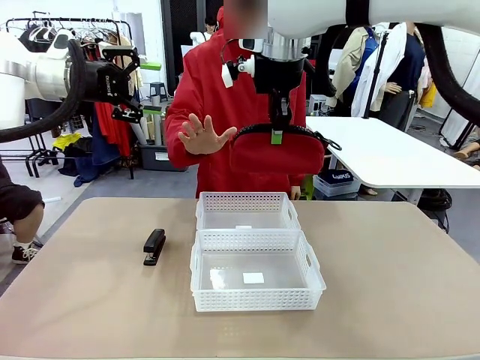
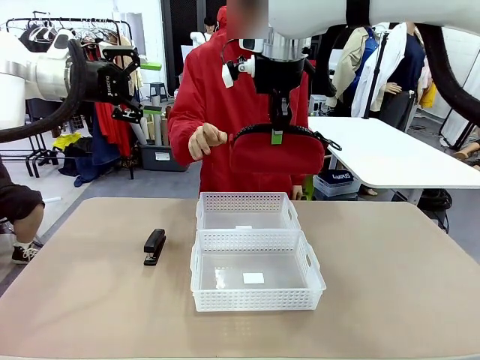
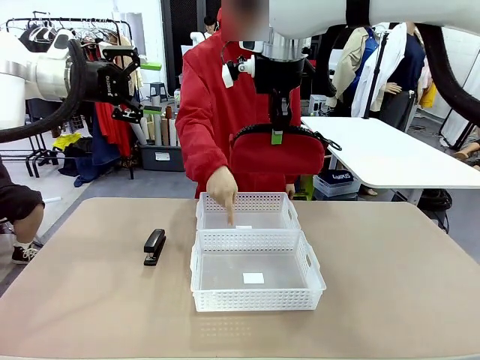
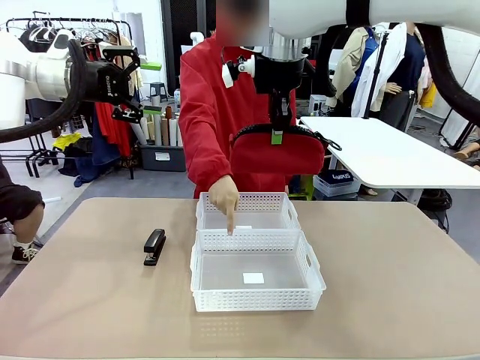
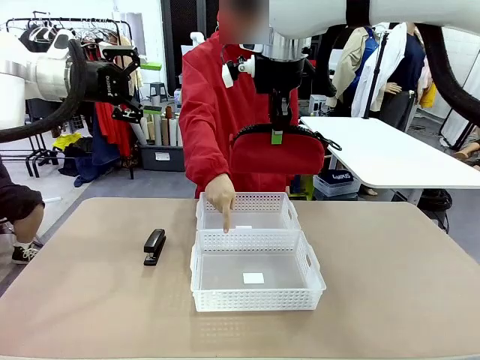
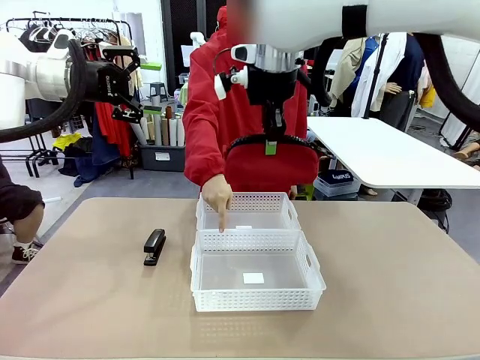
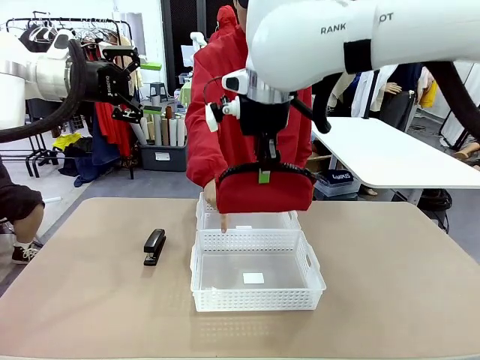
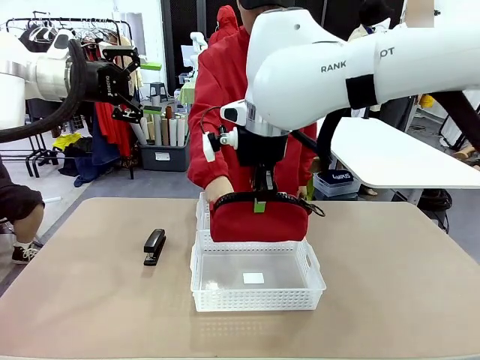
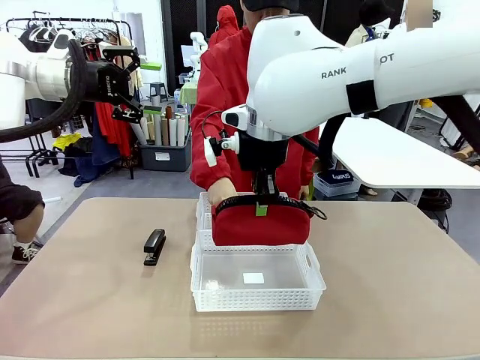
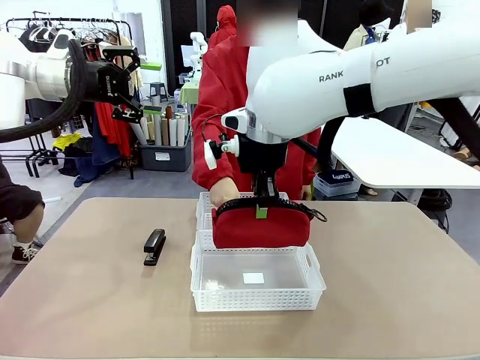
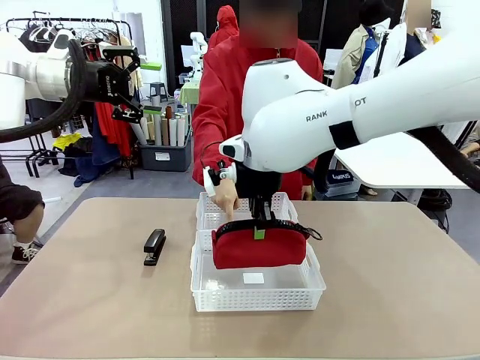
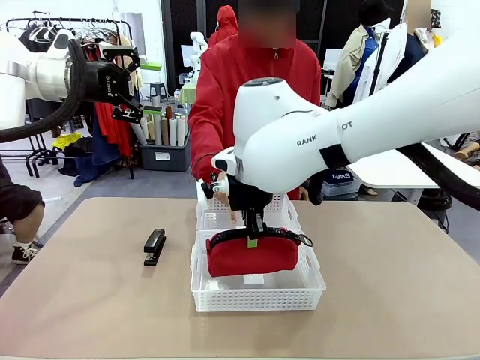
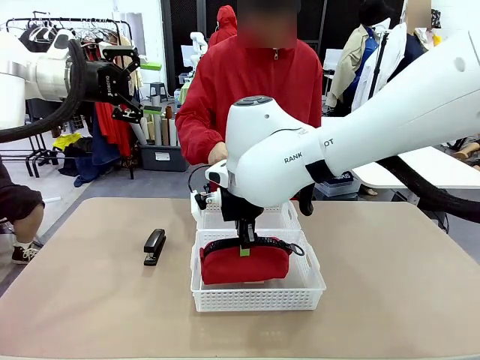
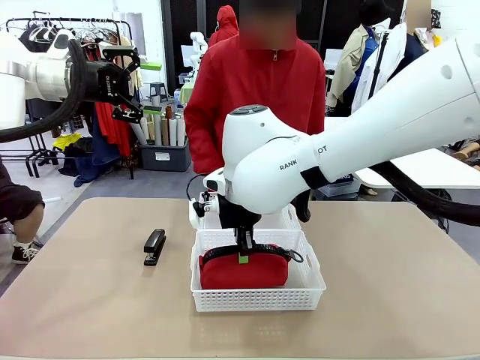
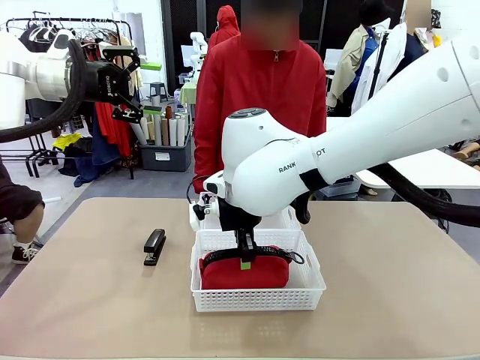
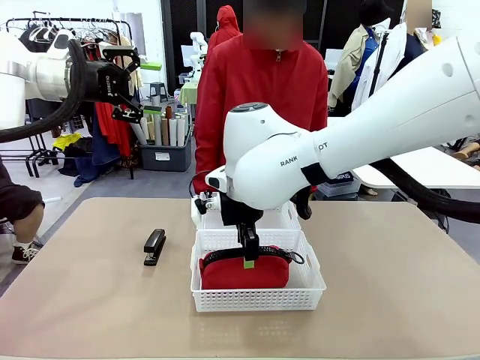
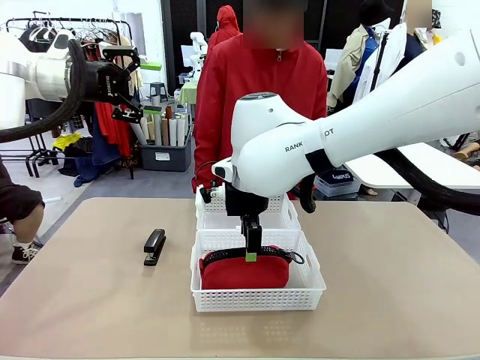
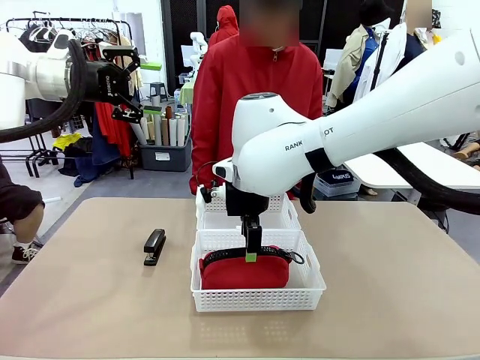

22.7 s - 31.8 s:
Task: Distribute items into two baskets.
Robot: Place the picked Pencil pouch into the Organizing basket as instructed by the person.
Person: Instructs the robot to place the pencil case into the opposite basket.

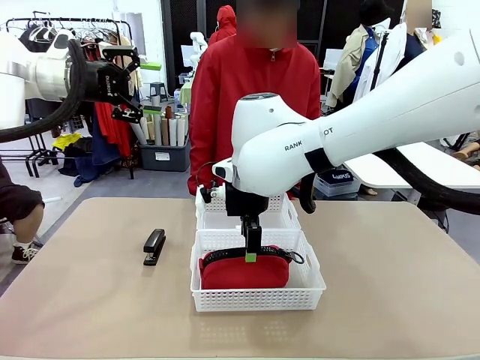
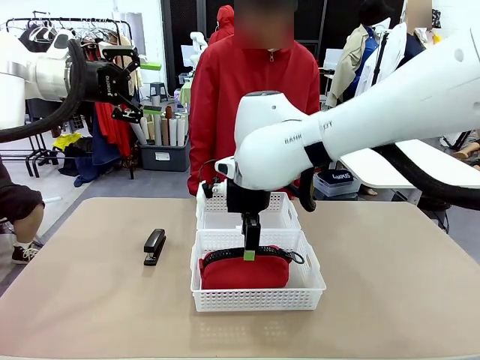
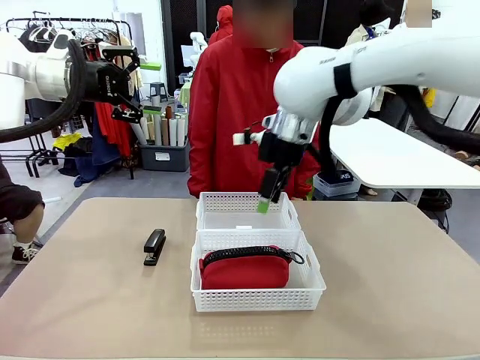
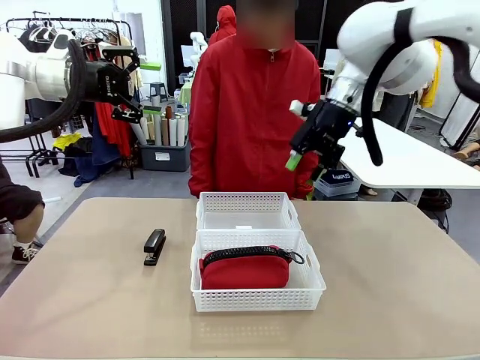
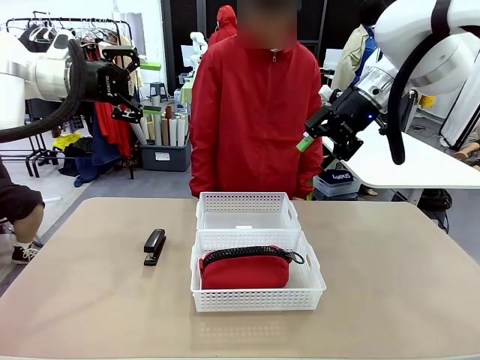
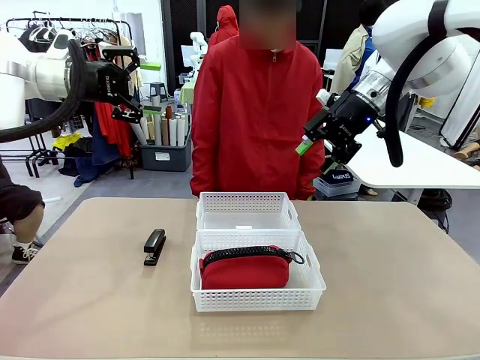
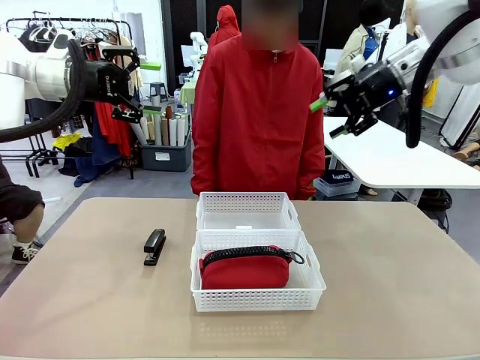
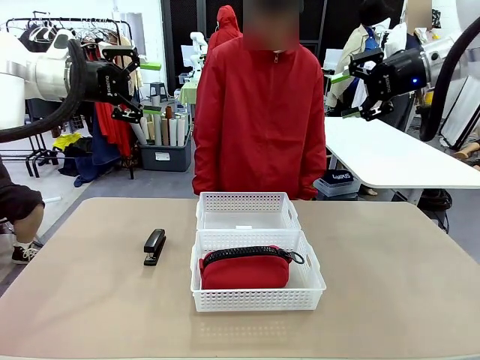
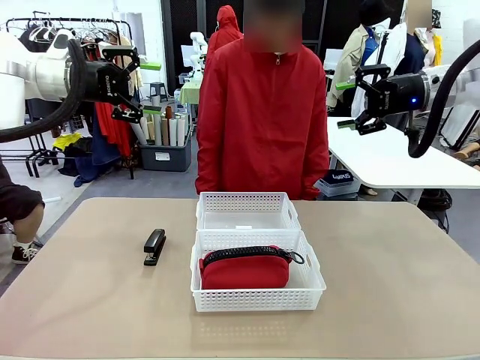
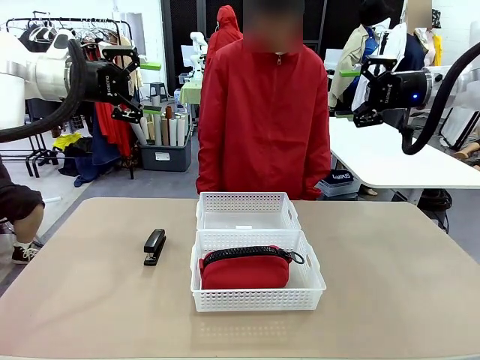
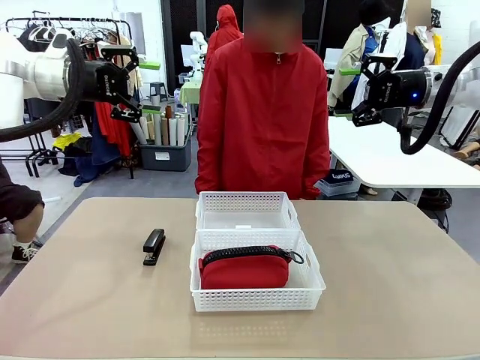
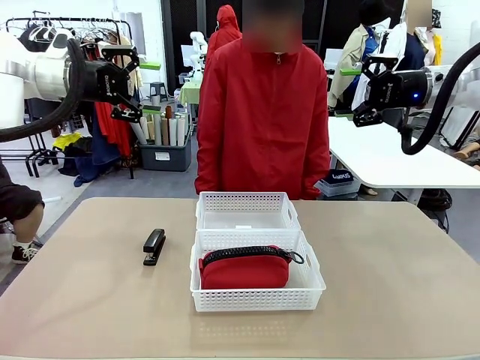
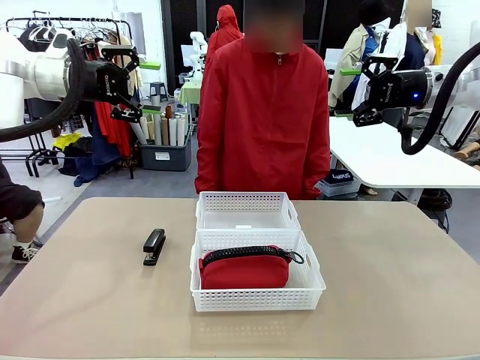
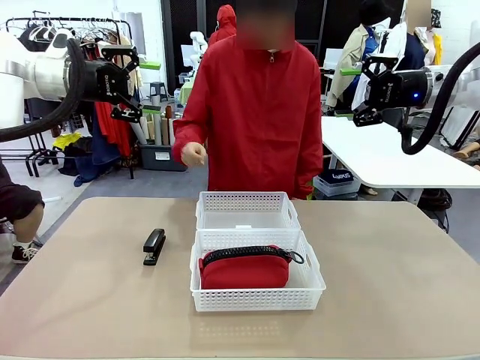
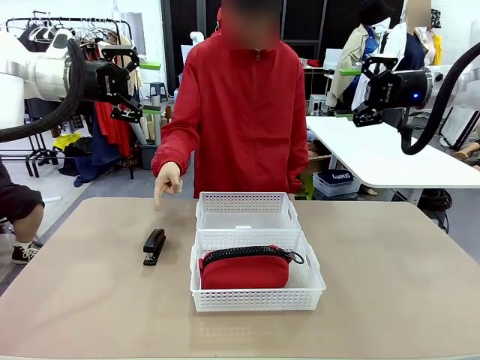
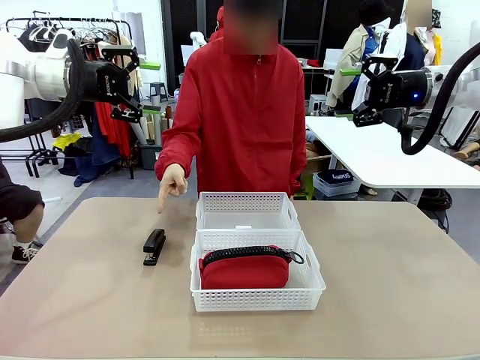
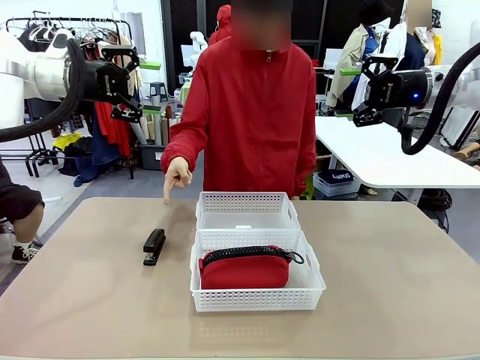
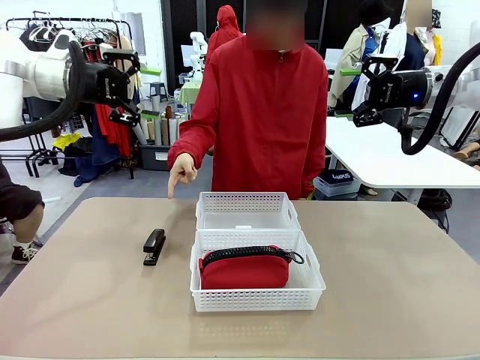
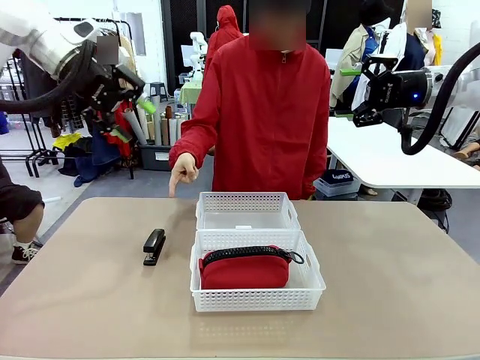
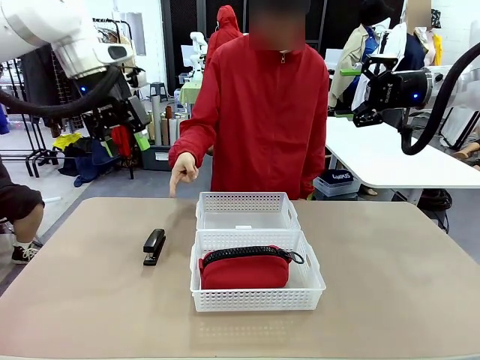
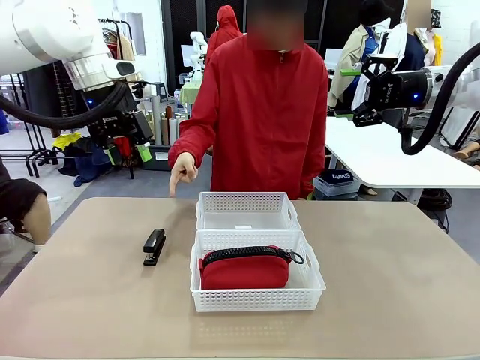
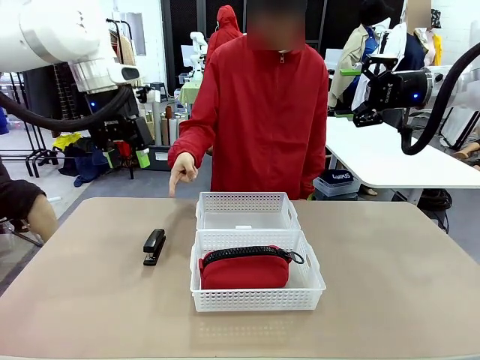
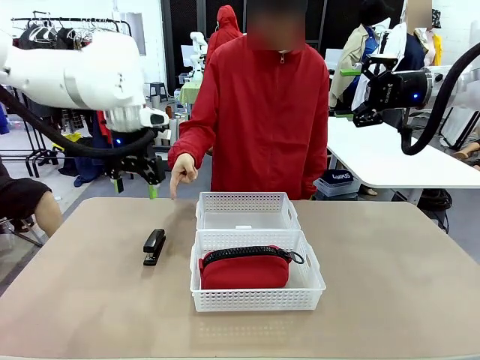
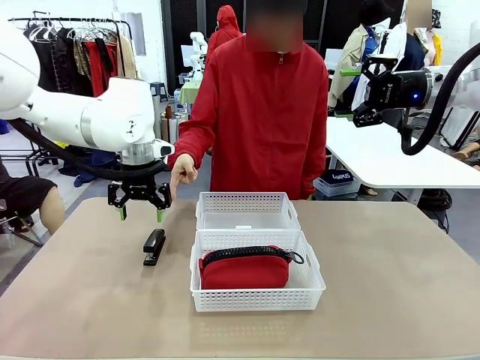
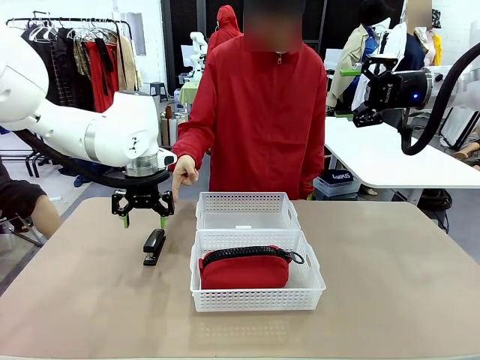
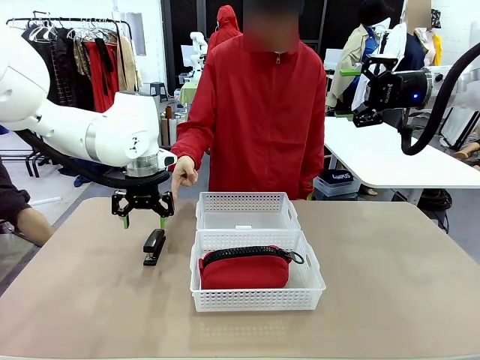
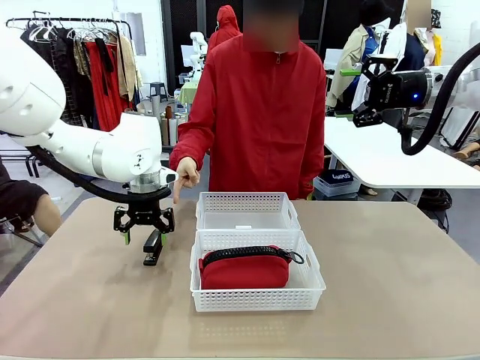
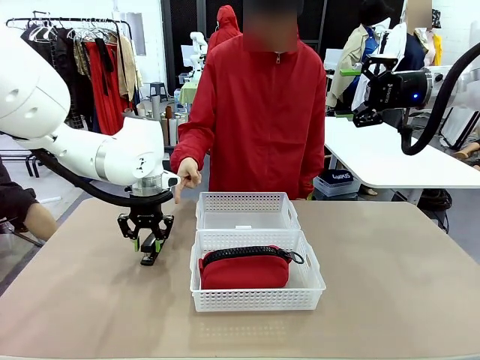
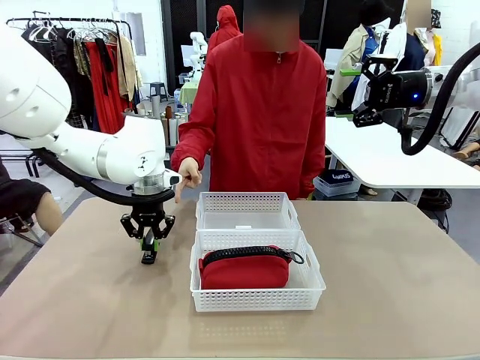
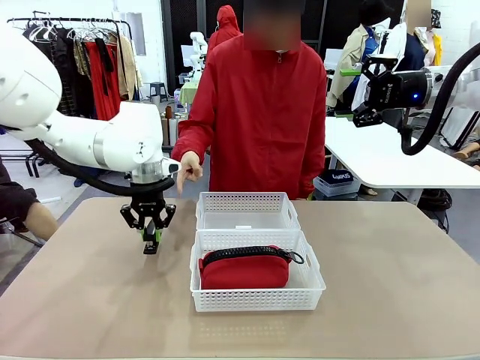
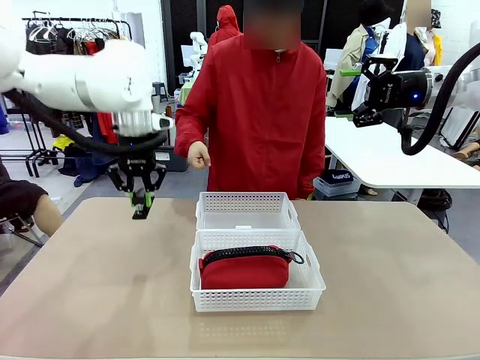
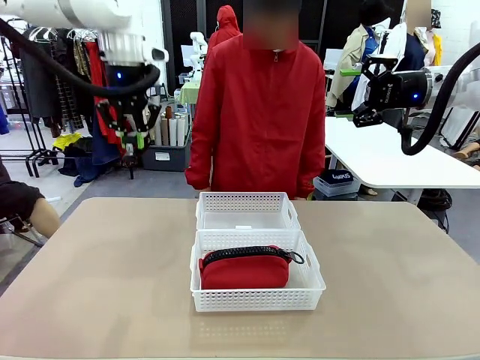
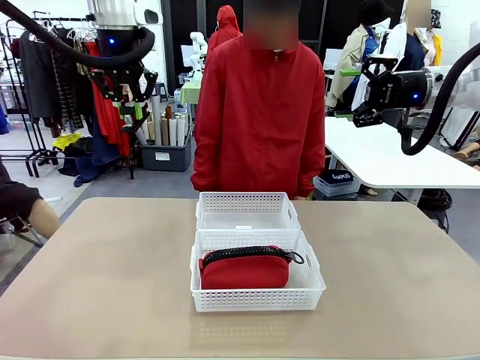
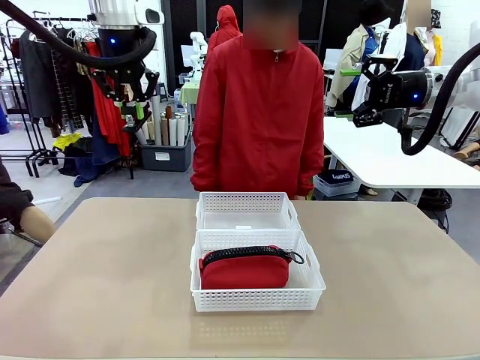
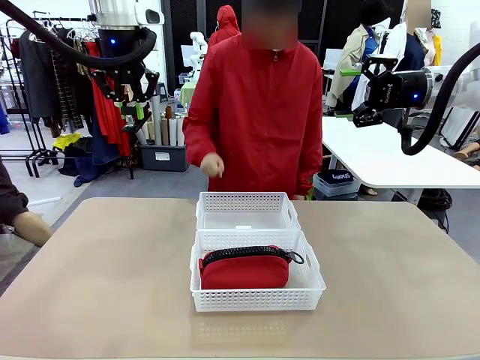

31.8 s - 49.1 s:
Robot: Pick up the Stapler that the person points to.
